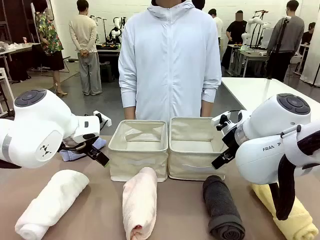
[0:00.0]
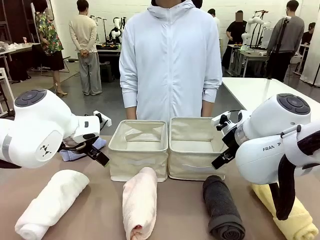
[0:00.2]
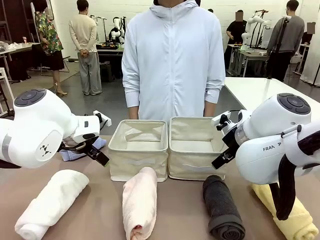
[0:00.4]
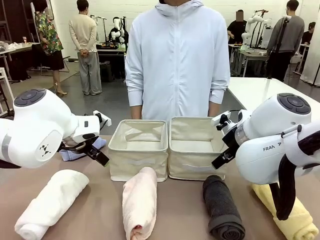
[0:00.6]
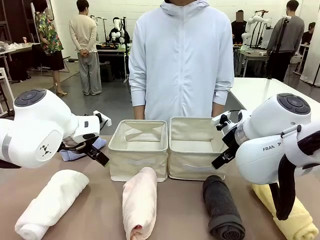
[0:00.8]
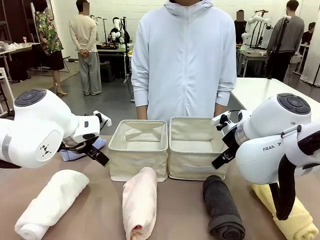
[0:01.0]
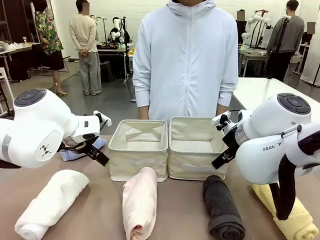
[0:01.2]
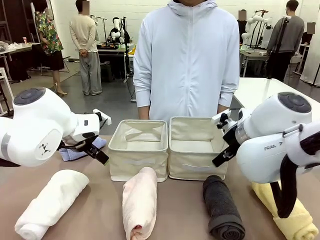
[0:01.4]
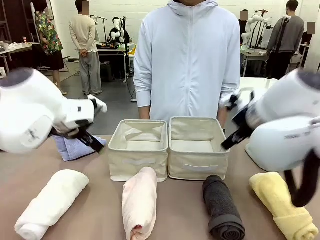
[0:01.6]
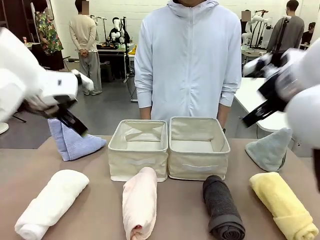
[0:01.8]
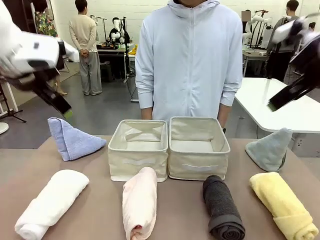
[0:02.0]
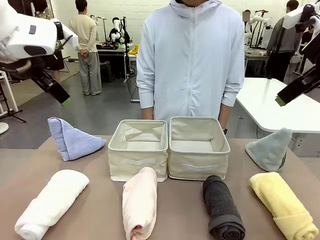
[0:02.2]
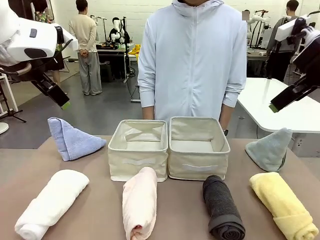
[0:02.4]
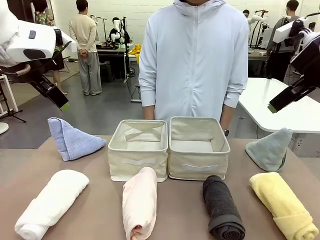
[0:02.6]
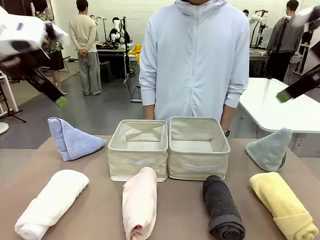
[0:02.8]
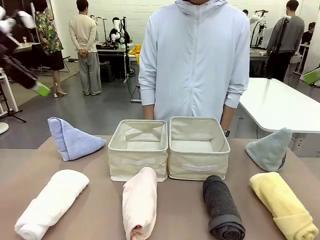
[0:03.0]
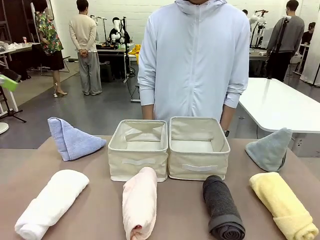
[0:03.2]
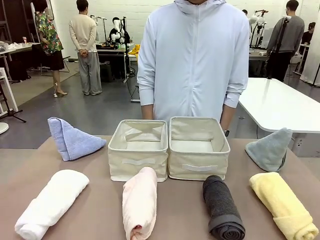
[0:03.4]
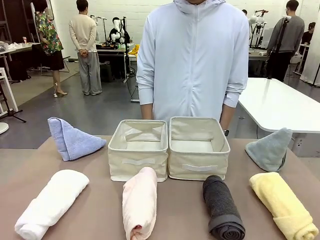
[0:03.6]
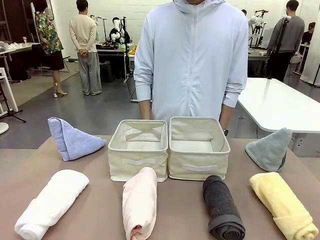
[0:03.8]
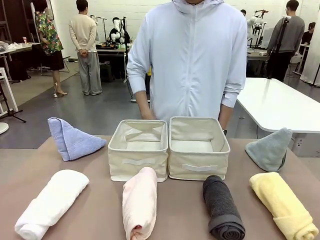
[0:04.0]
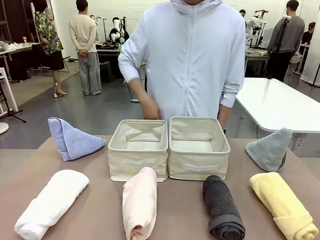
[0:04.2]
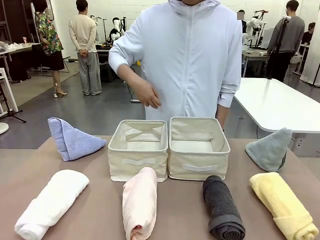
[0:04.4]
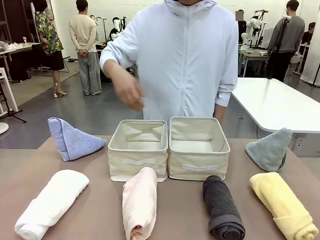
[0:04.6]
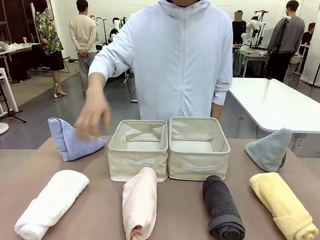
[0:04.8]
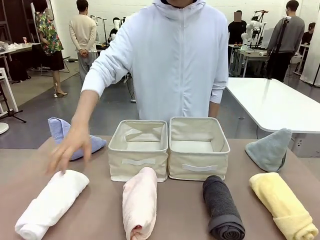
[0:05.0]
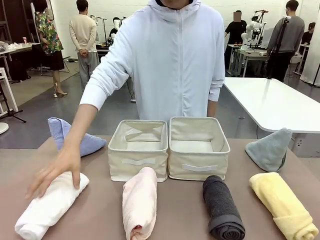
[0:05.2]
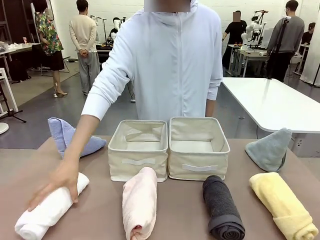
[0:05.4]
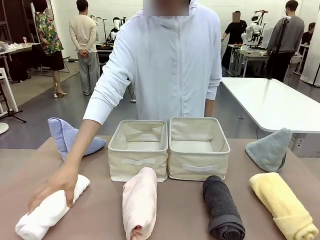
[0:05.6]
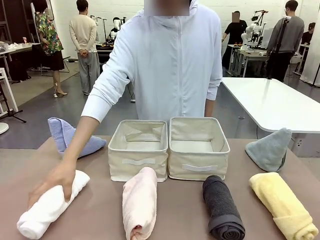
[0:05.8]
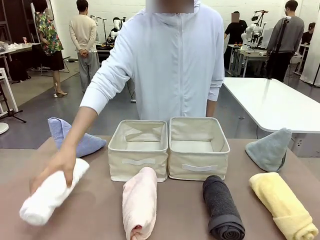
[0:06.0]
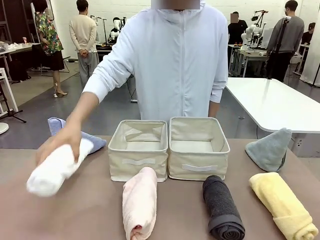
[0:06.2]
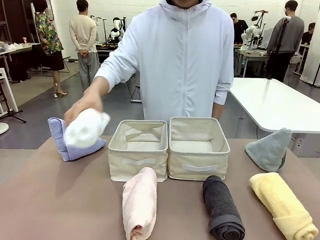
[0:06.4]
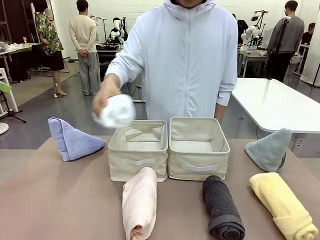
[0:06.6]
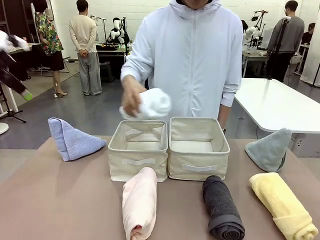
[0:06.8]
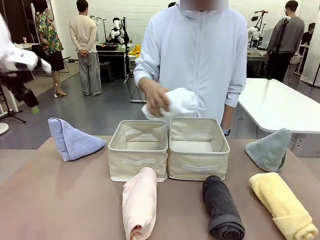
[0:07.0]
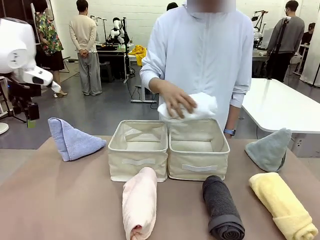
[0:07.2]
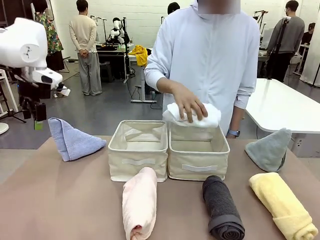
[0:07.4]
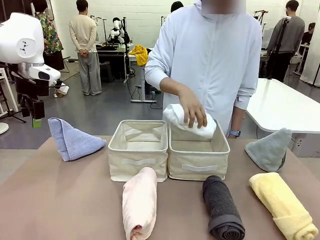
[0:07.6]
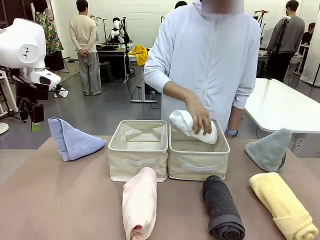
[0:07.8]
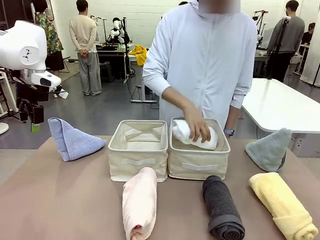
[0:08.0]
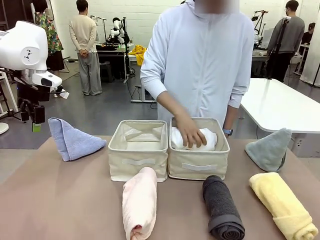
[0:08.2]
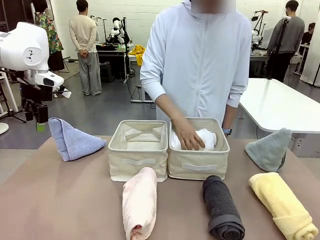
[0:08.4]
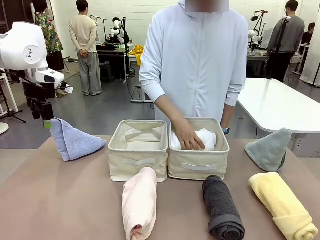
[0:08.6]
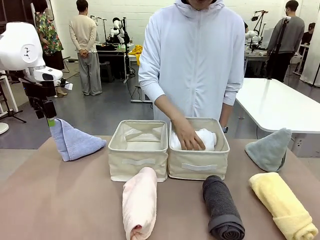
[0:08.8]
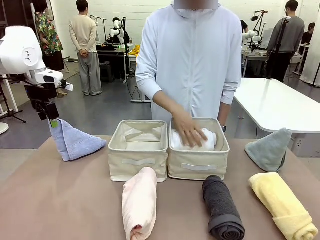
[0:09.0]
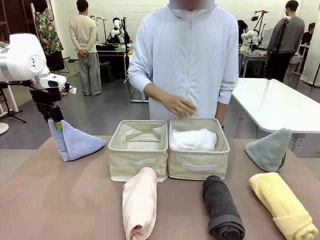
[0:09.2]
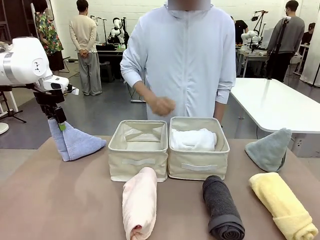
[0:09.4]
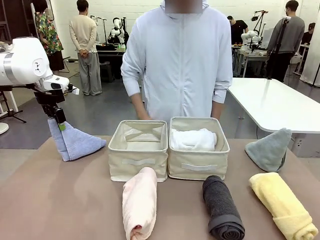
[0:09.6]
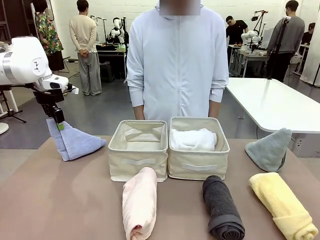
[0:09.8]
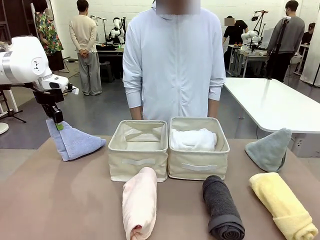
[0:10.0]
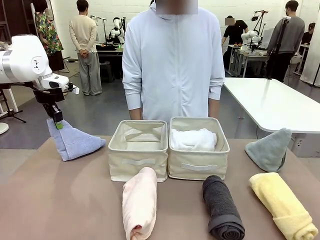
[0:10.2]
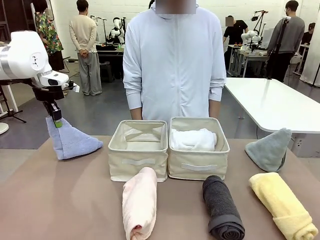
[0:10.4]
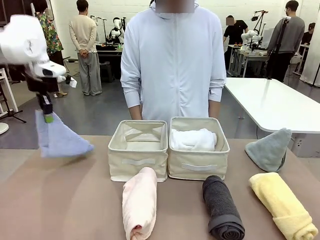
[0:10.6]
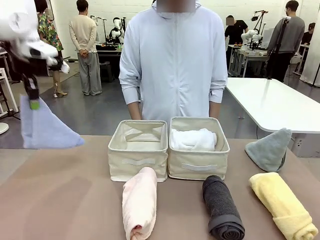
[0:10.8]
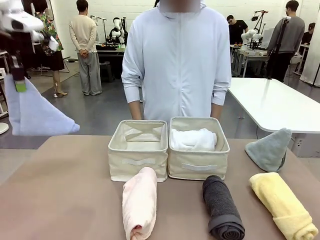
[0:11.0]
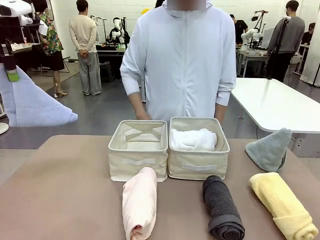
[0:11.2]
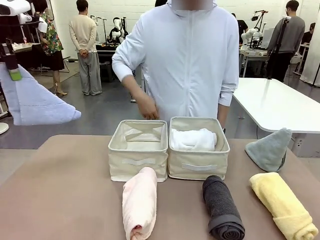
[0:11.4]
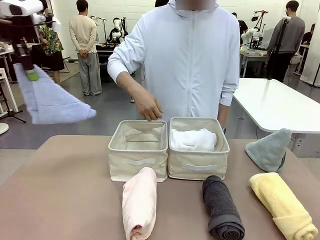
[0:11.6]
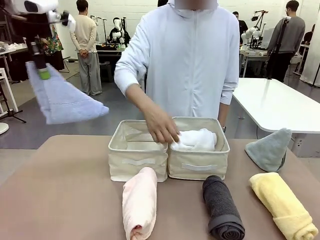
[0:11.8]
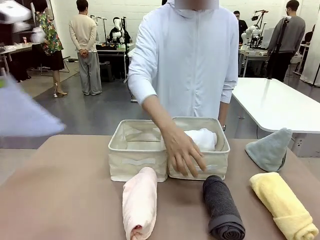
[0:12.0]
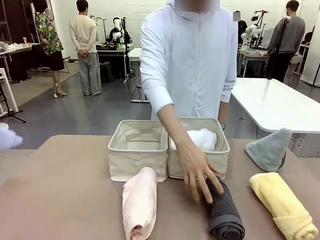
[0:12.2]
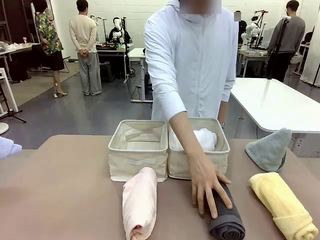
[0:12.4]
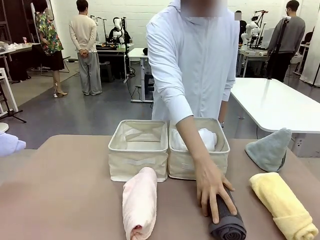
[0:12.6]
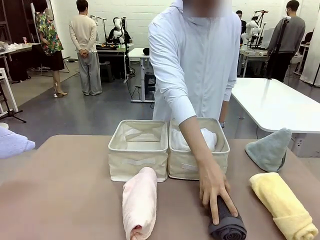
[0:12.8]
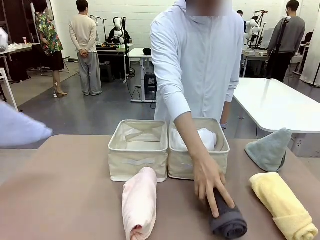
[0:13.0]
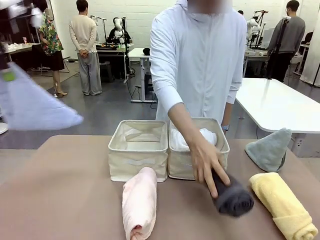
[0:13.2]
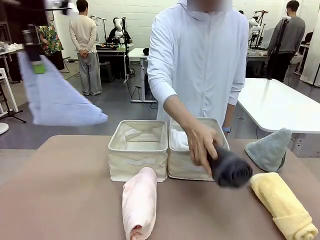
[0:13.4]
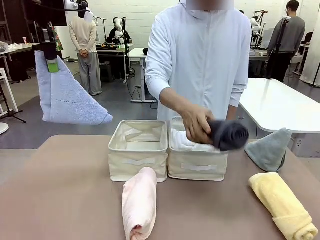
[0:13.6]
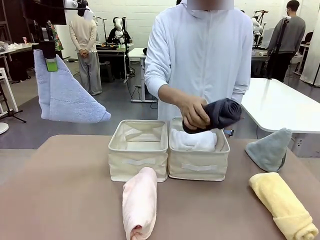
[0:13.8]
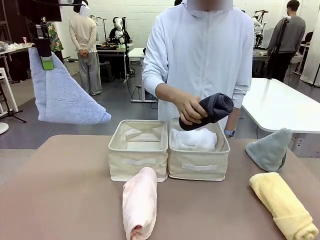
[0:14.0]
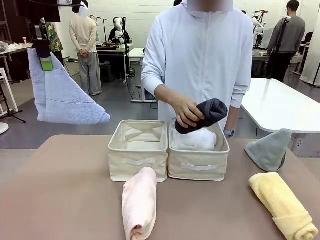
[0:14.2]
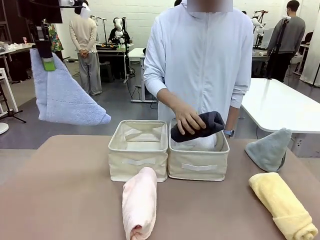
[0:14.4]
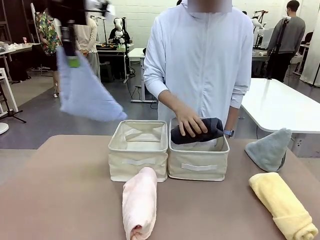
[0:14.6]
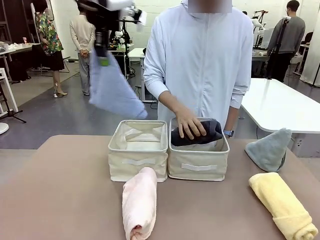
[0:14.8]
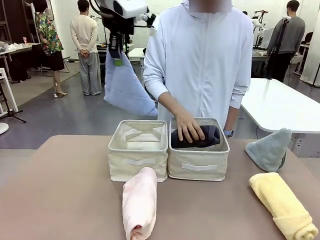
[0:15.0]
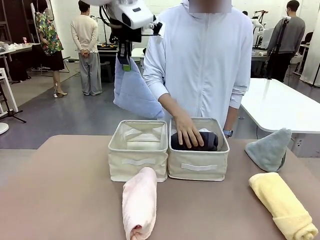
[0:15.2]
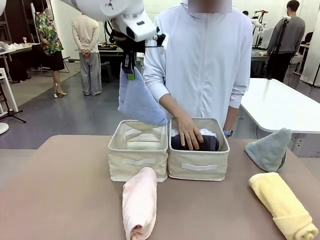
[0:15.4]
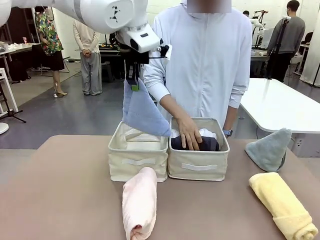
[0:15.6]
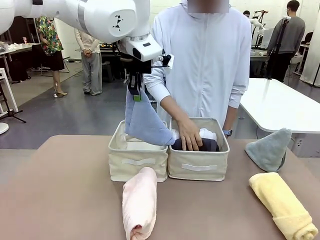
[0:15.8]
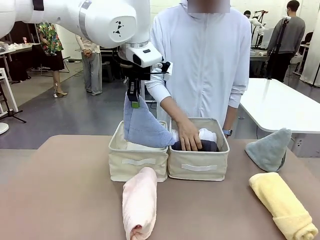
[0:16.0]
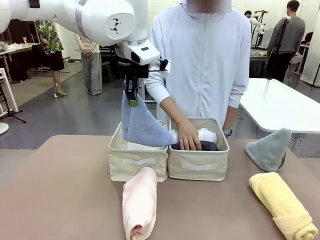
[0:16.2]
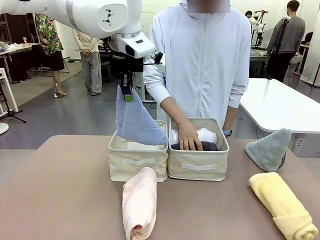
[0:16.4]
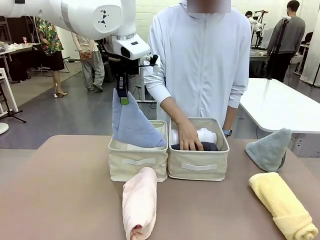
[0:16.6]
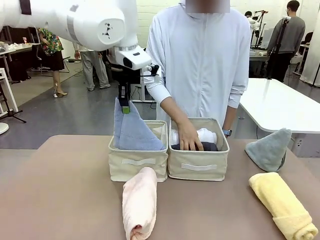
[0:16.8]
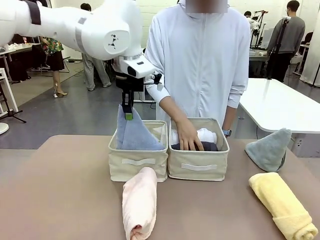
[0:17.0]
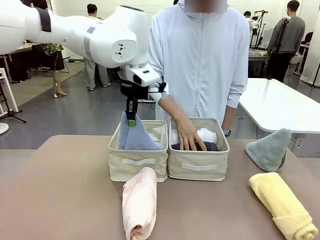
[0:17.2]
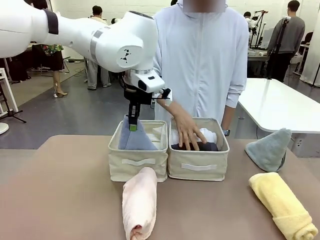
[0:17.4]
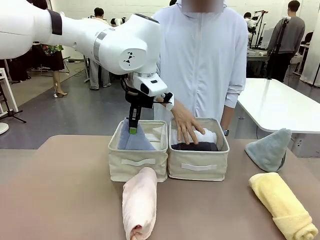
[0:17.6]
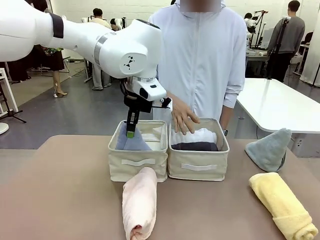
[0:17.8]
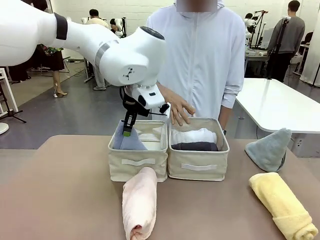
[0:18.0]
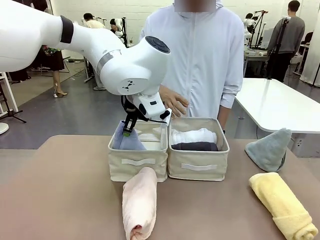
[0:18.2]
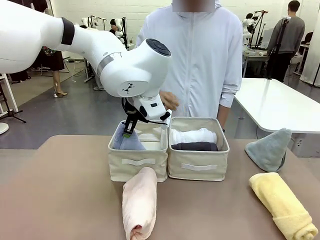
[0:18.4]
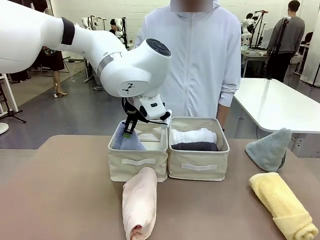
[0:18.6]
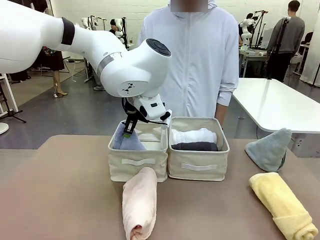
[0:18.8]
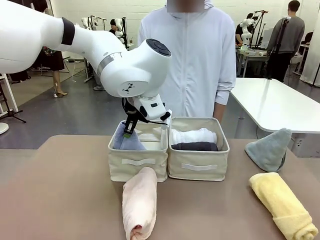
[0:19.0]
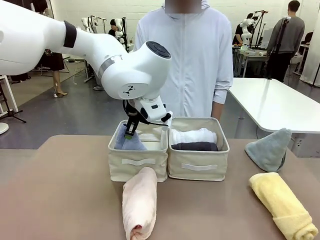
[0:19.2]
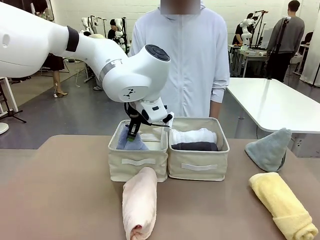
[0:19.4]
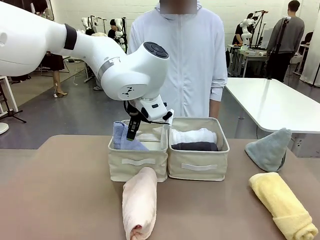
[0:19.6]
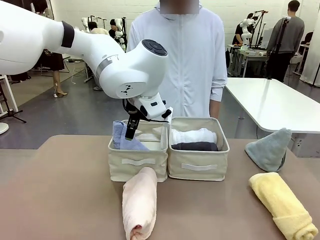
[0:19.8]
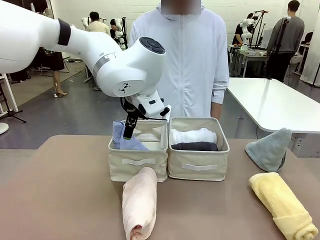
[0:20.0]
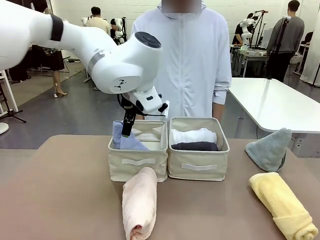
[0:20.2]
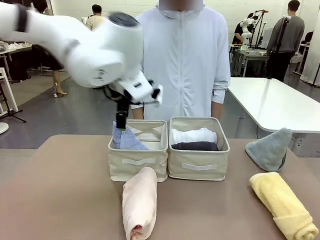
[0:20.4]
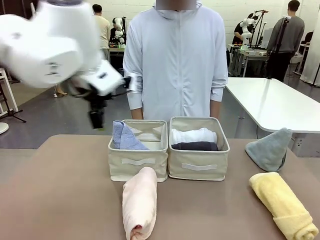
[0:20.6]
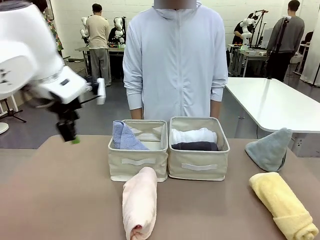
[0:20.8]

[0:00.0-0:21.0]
Task: Sort the towels based on their folding style.
Robot: Pick up one triangle-folded towel and place it in the left Fabric basket.
Person: Pick up one hotel-style rolled towel and place it in the left fabric basket.
